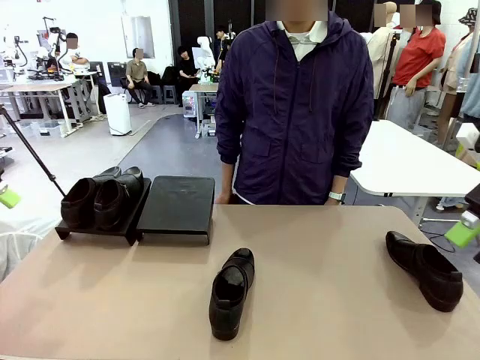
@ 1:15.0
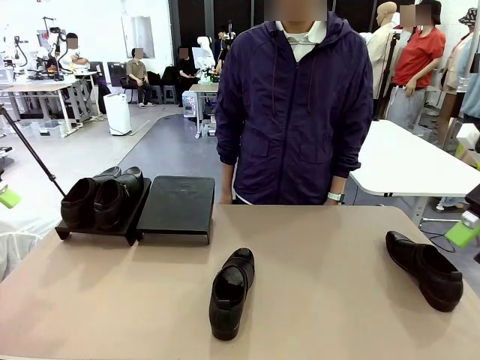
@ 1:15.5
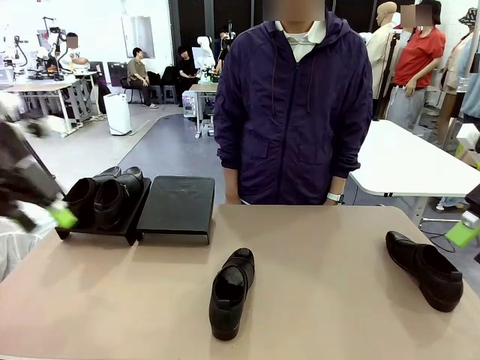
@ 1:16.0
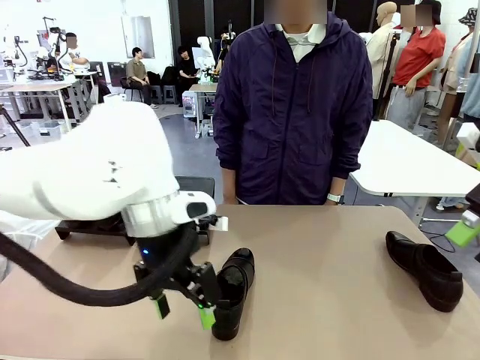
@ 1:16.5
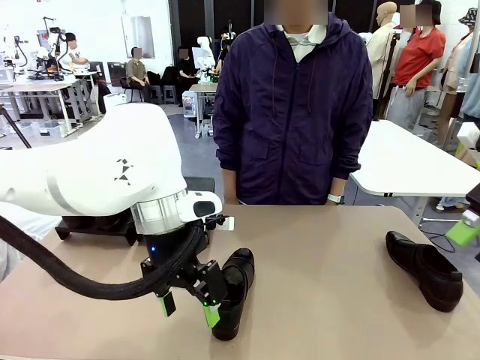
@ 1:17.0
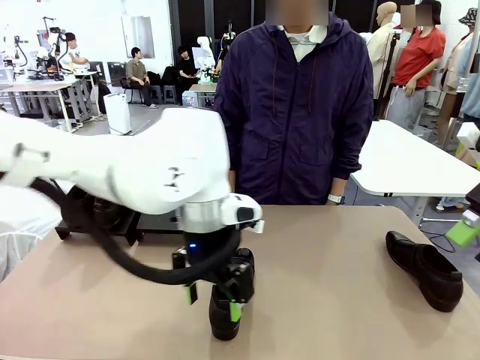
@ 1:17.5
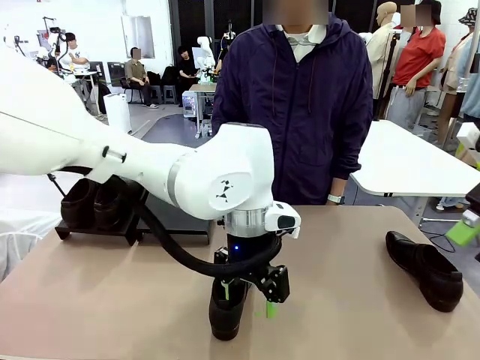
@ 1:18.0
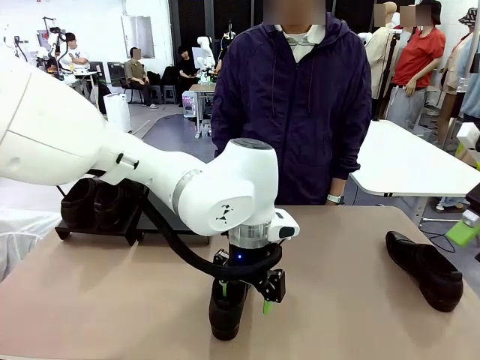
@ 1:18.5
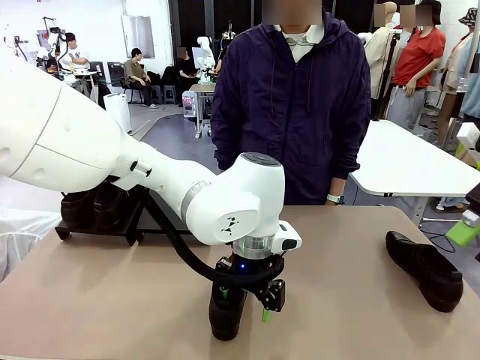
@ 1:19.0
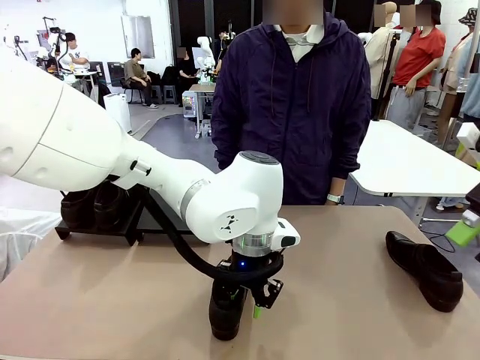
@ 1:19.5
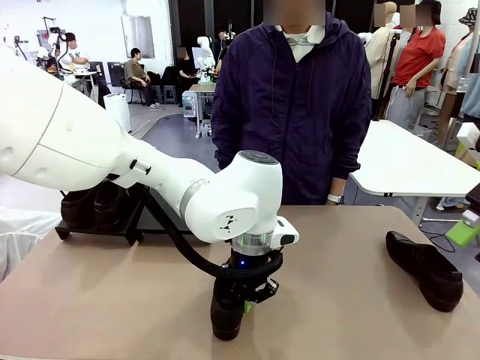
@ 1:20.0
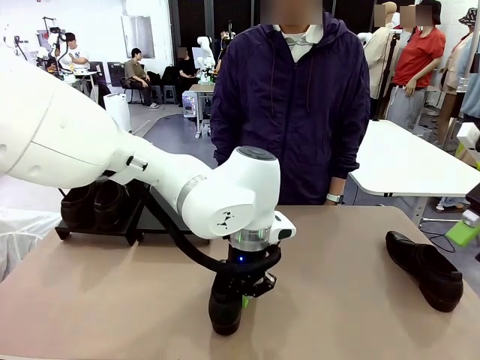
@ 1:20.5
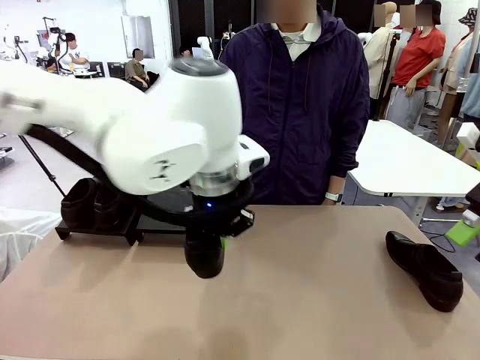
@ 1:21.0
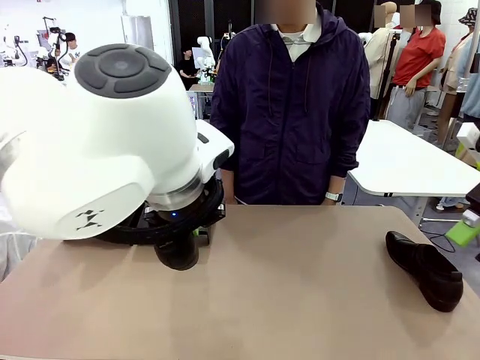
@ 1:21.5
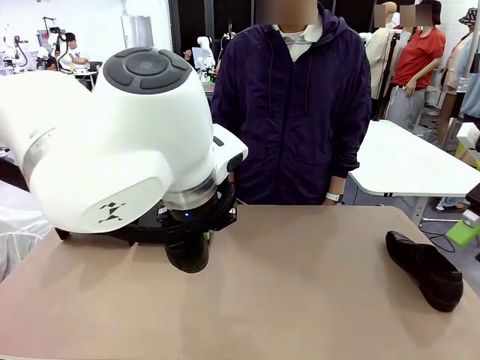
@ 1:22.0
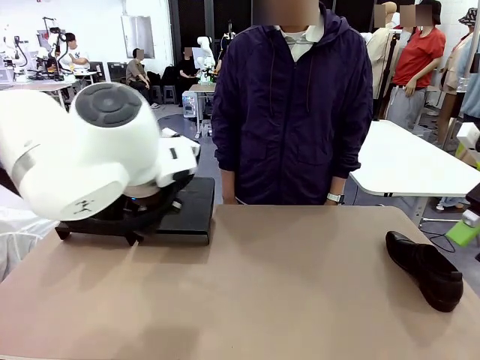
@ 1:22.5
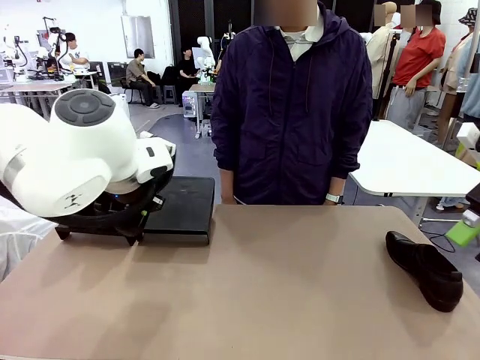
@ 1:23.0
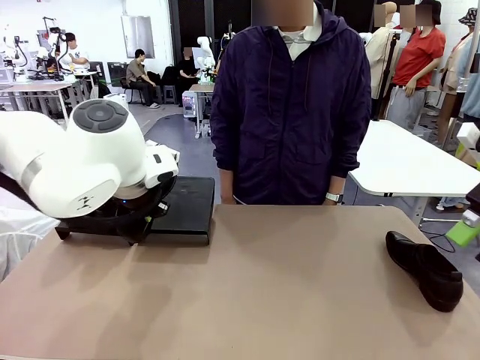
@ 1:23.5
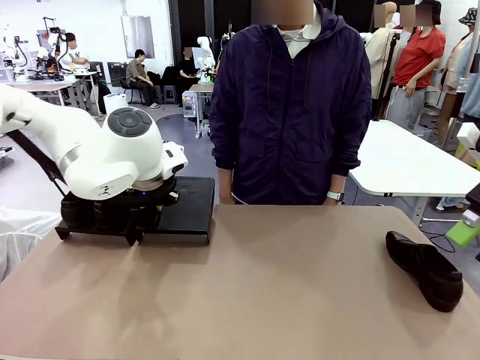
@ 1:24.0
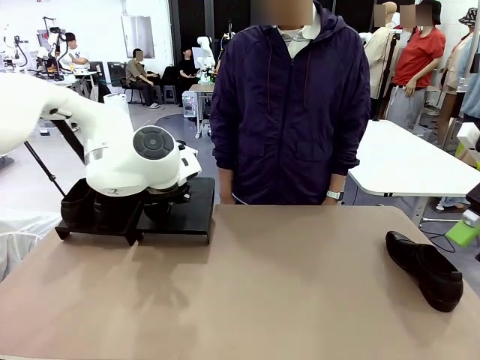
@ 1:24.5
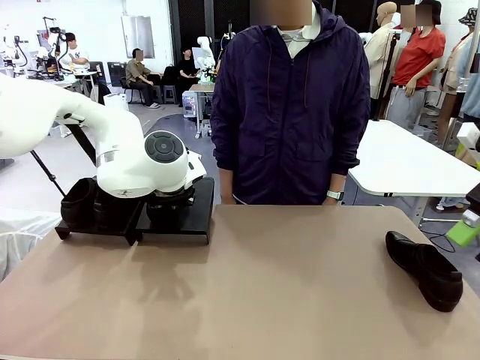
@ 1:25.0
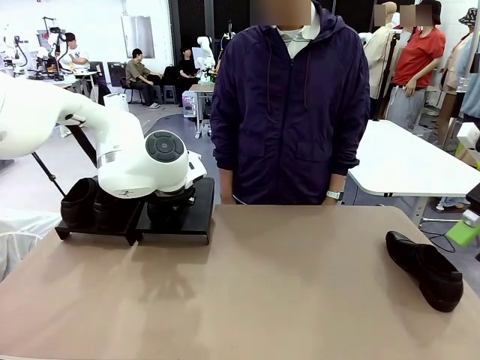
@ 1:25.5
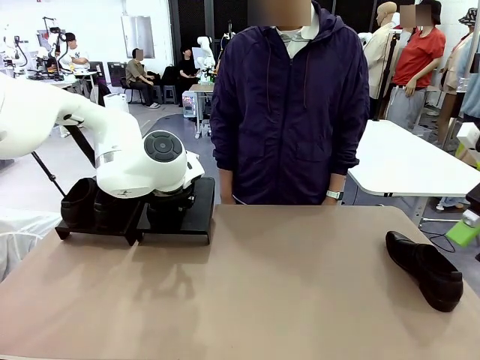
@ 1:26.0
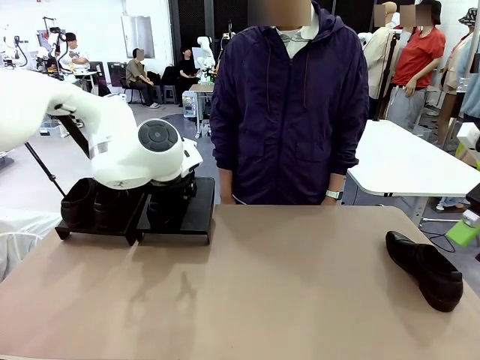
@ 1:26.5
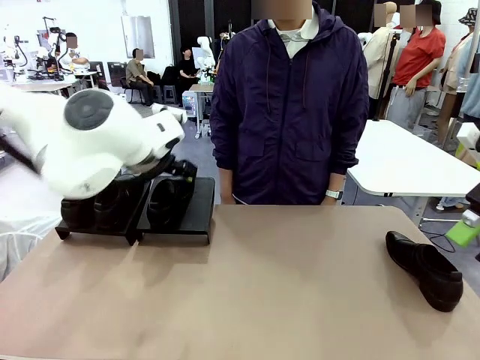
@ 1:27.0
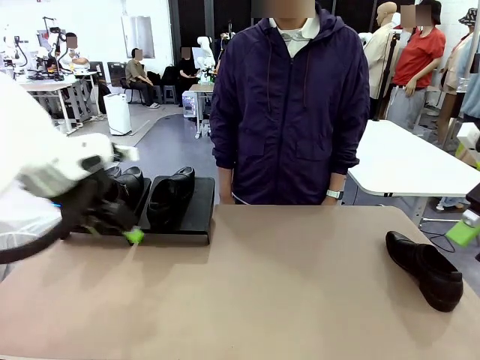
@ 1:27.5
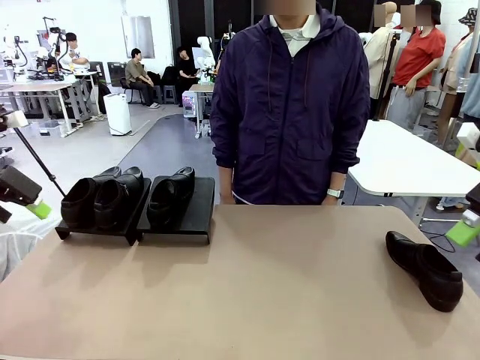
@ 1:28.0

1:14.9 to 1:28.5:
Task: Organize the shoes by placing them on the stand.
Robot: Place the Shoe from the middle of the table onto the Shoes Stand.

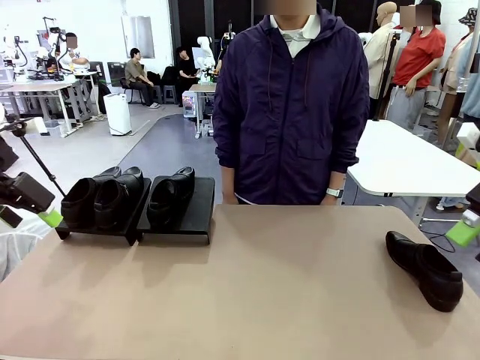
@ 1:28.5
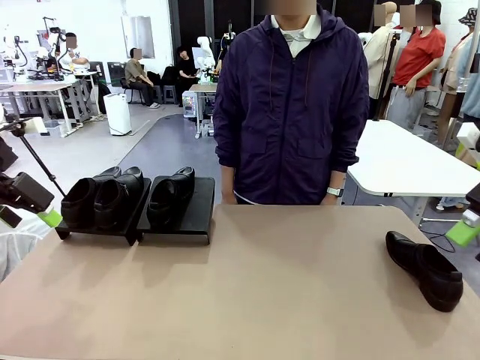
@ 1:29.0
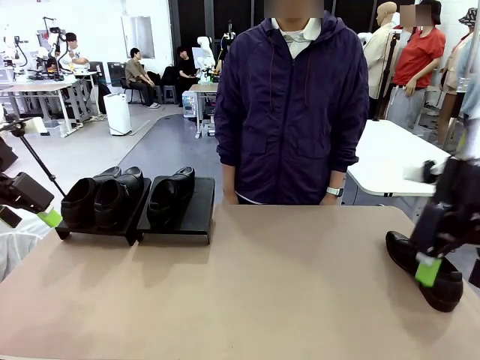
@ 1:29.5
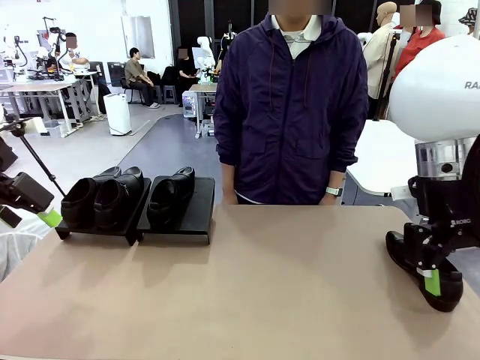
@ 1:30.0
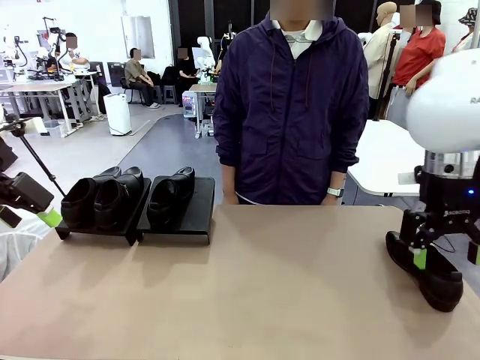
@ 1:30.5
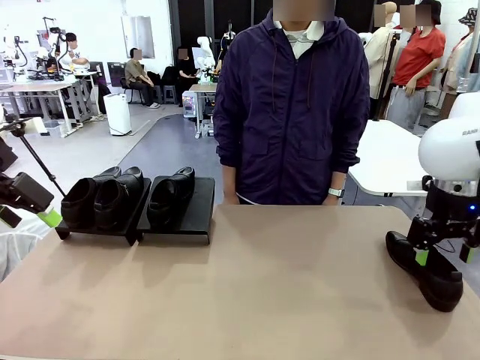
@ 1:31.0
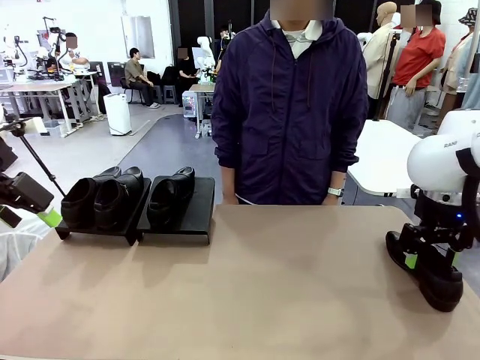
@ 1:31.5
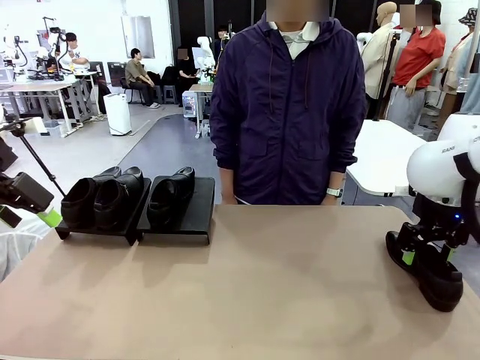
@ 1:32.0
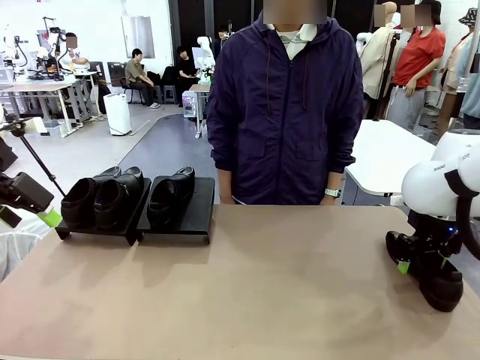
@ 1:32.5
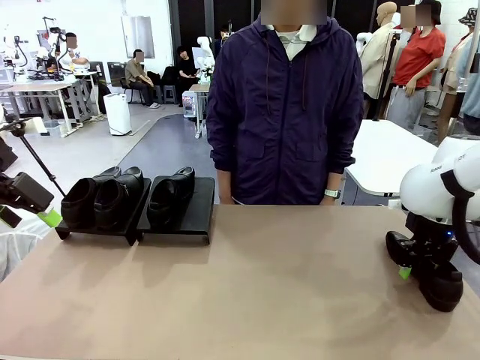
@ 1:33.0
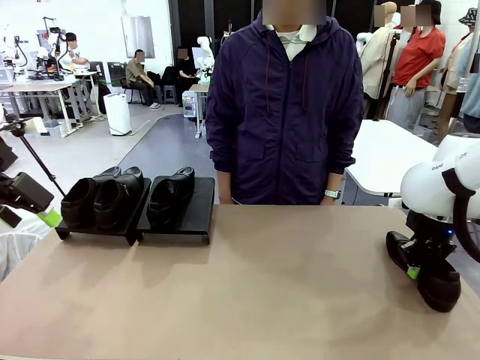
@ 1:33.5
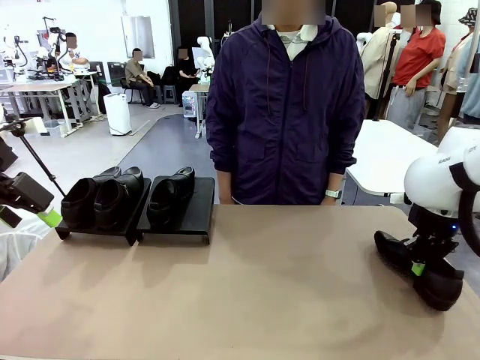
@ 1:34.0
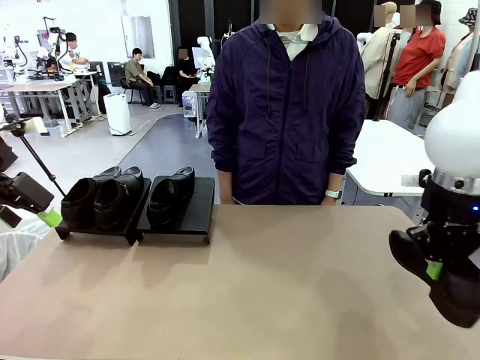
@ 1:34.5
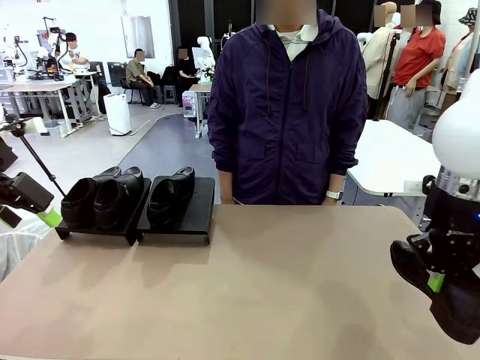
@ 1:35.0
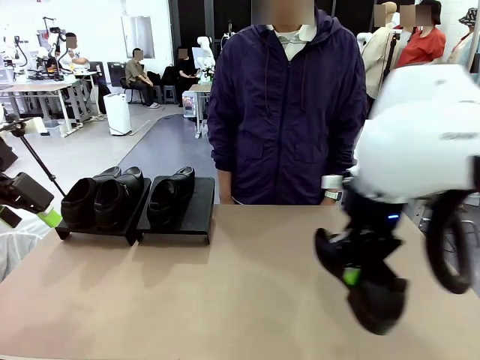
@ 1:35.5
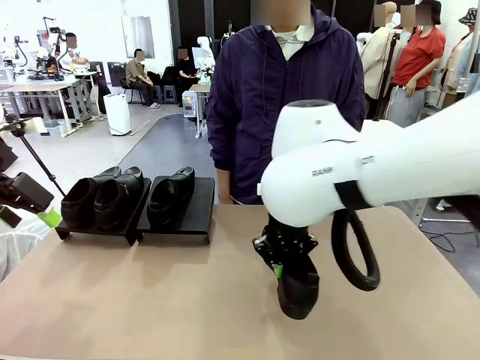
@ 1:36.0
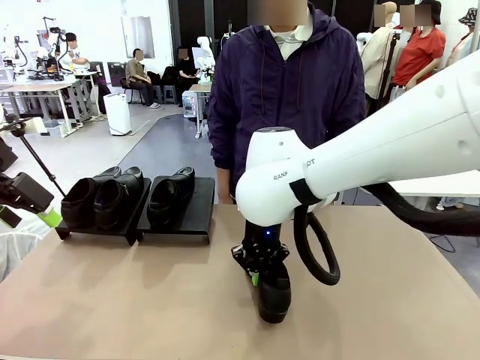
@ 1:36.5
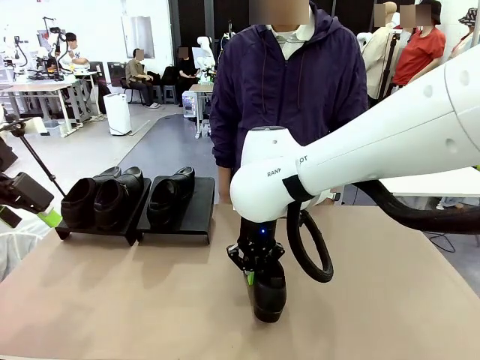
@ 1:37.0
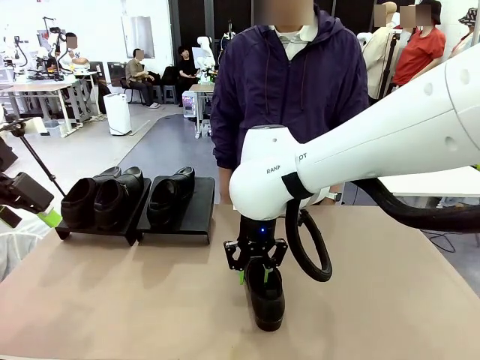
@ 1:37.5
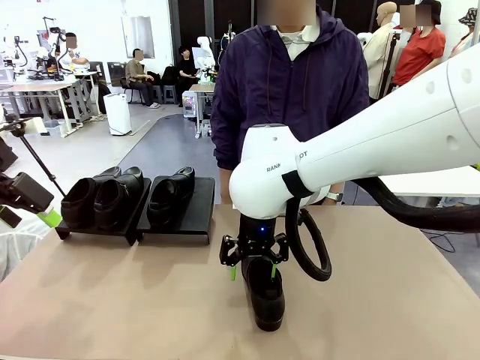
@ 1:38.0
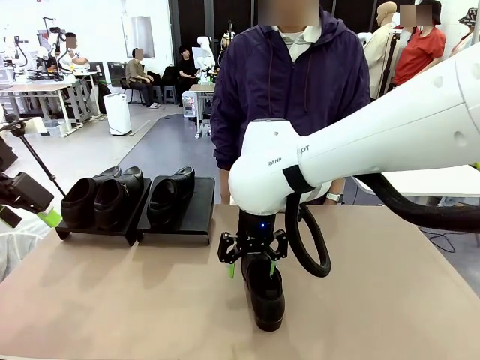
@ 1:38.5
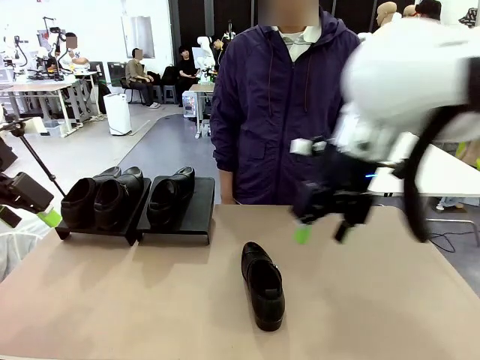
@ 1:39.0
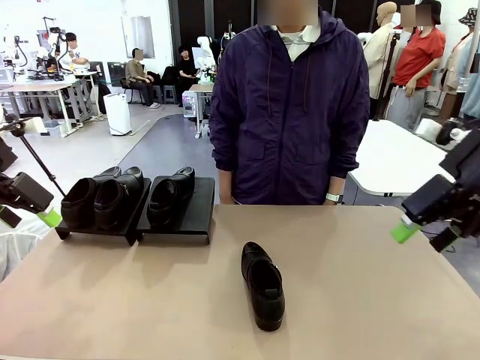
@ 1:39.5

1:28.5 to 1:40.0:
Robot: Pick up one Shoe and place it in the middle of the table.
